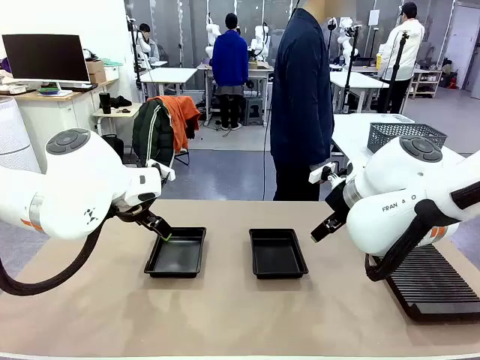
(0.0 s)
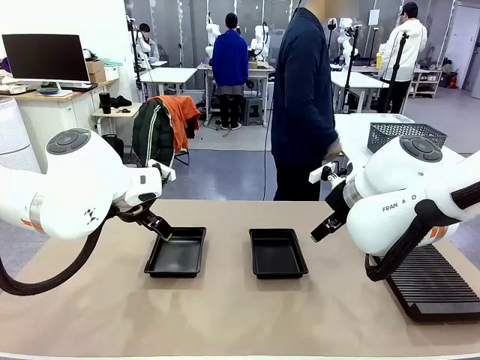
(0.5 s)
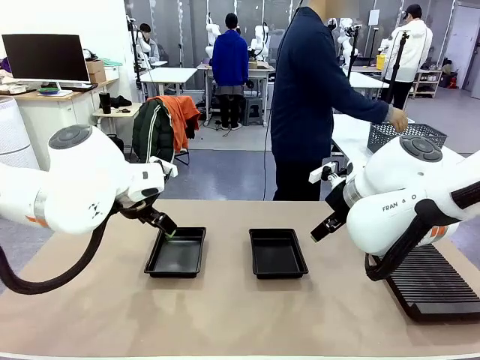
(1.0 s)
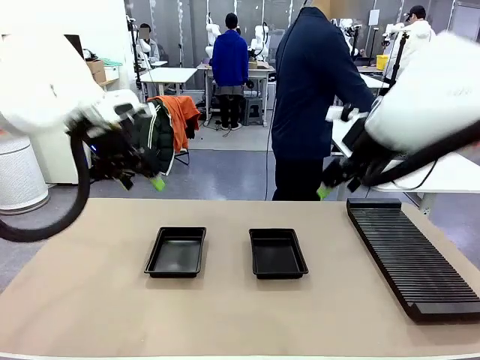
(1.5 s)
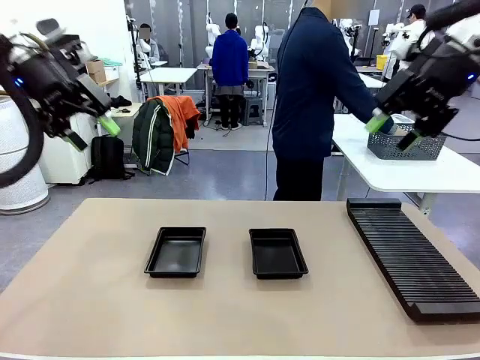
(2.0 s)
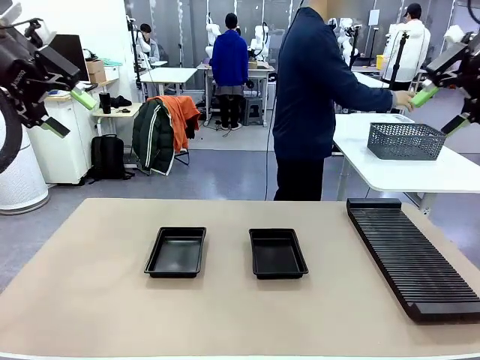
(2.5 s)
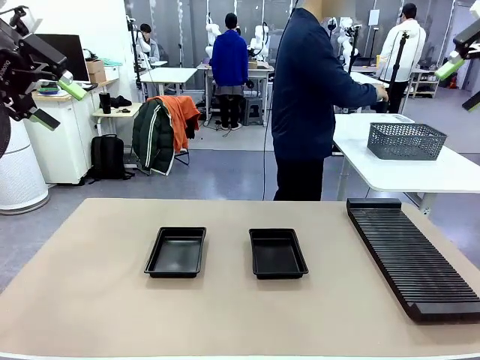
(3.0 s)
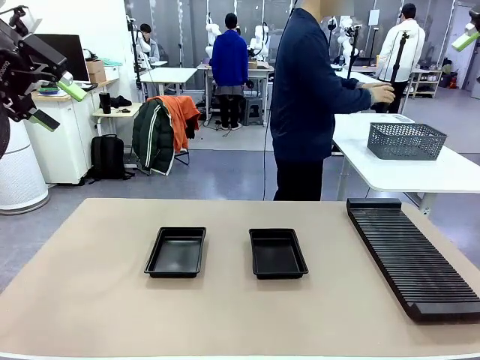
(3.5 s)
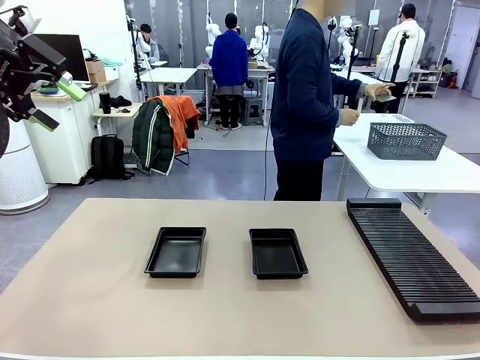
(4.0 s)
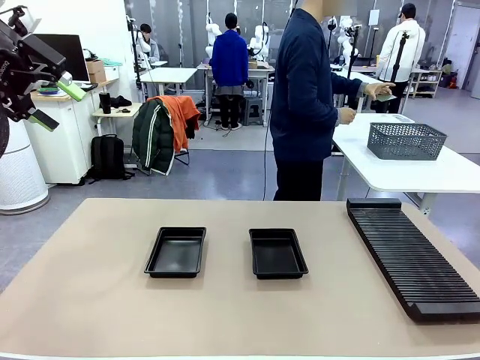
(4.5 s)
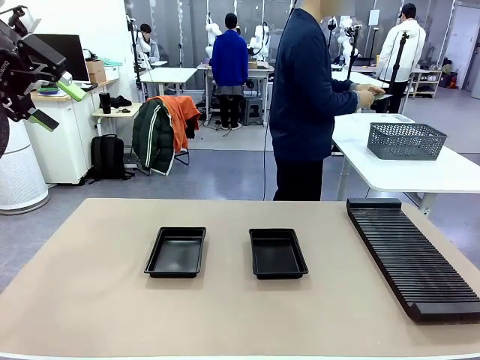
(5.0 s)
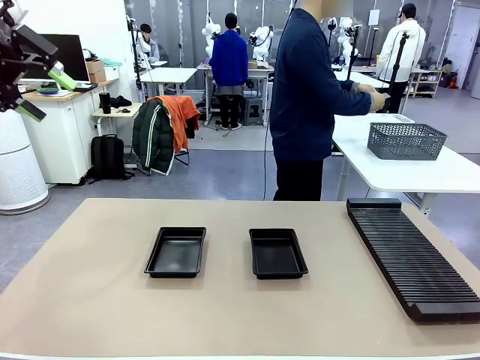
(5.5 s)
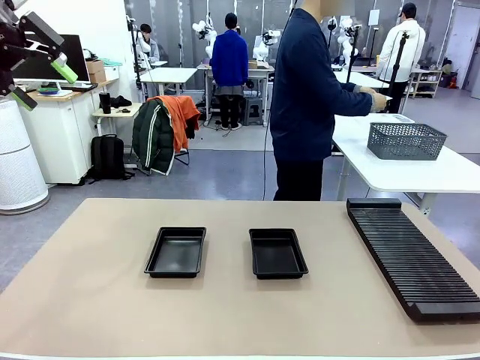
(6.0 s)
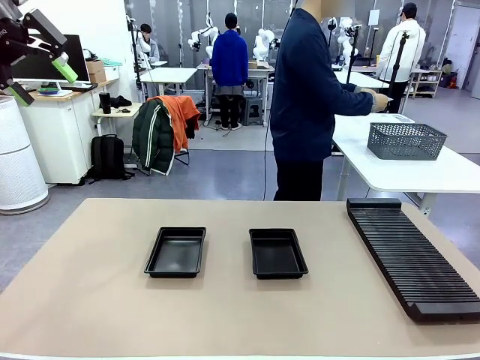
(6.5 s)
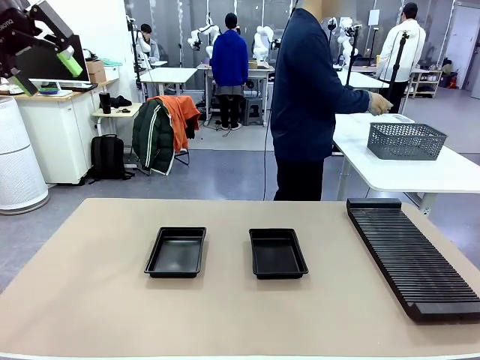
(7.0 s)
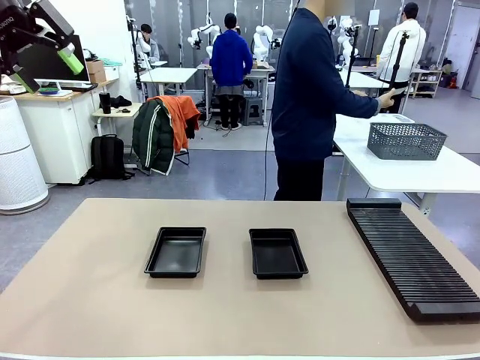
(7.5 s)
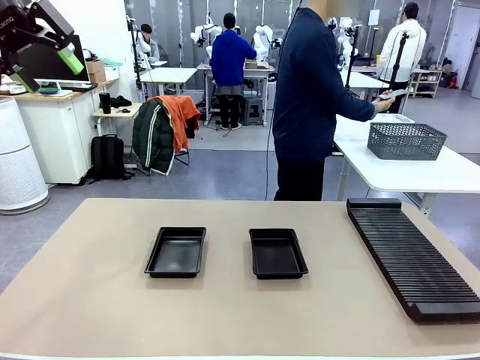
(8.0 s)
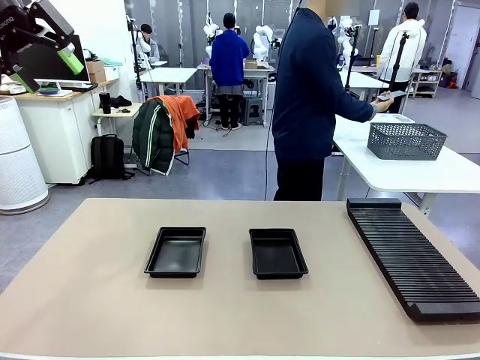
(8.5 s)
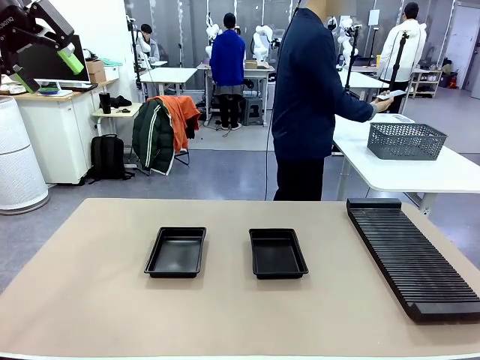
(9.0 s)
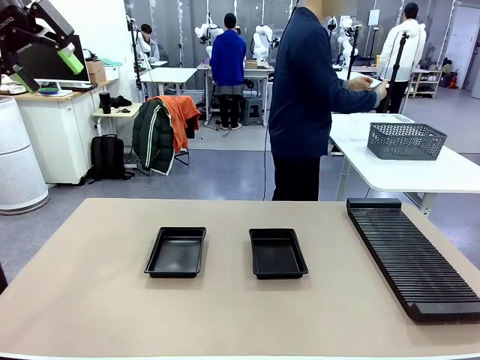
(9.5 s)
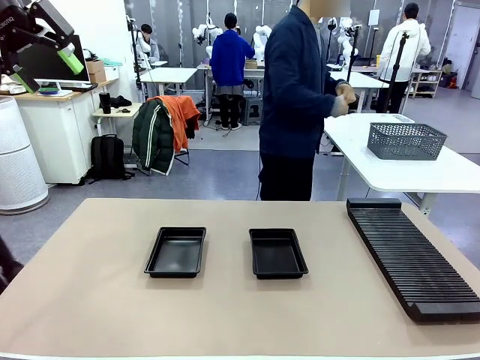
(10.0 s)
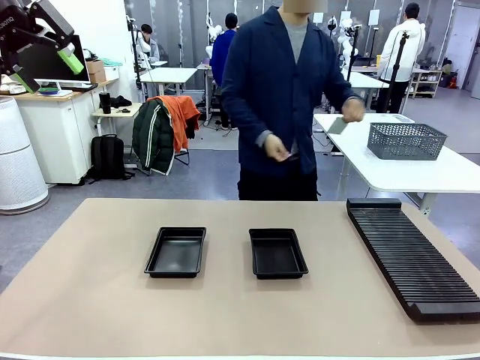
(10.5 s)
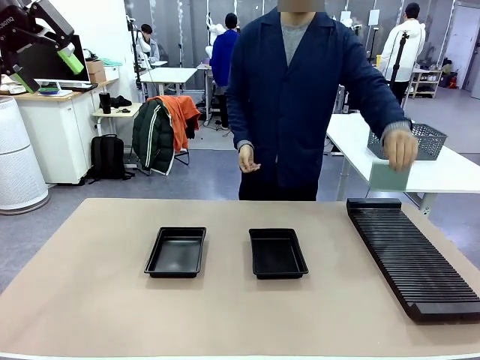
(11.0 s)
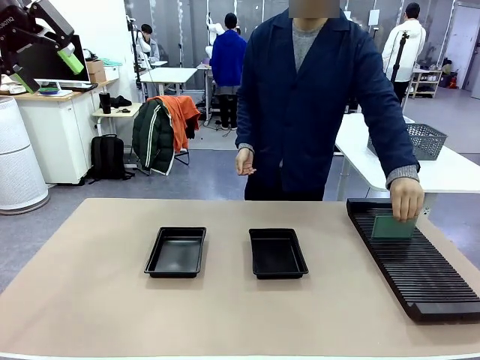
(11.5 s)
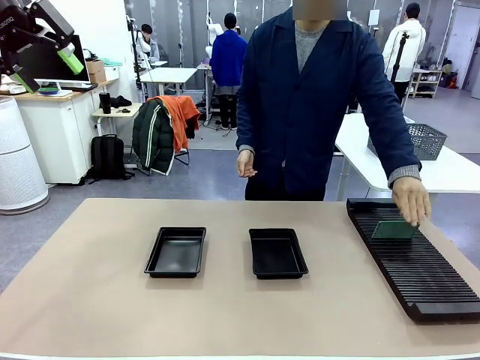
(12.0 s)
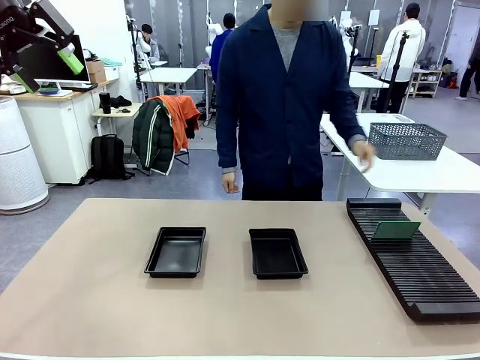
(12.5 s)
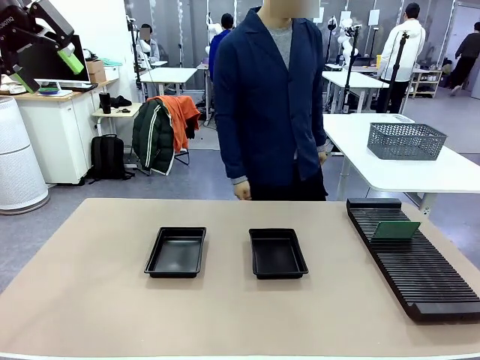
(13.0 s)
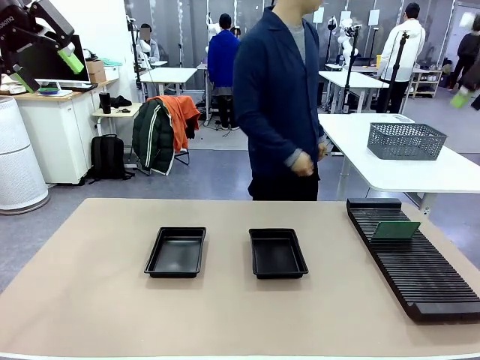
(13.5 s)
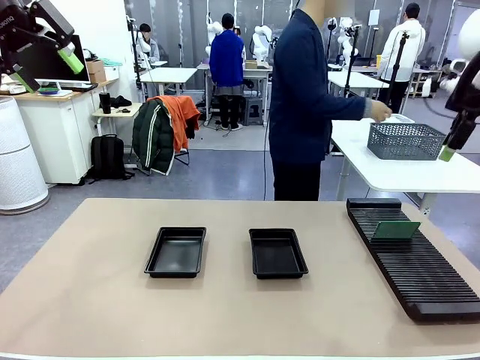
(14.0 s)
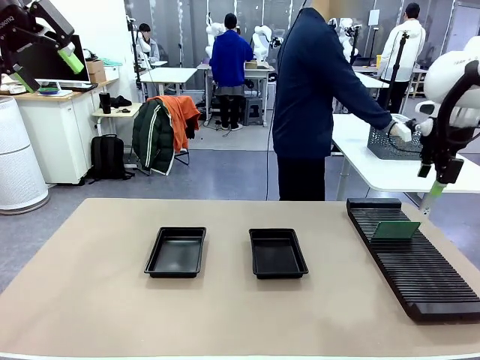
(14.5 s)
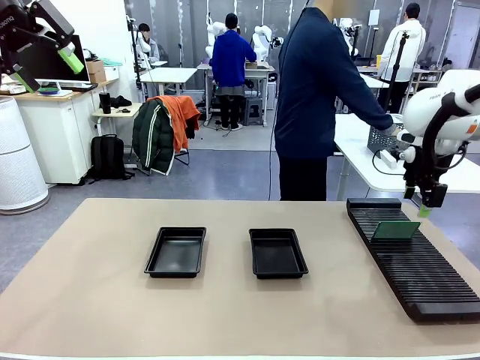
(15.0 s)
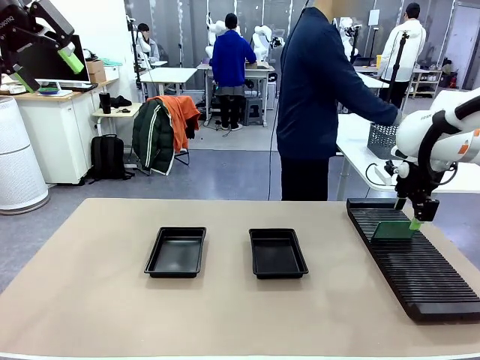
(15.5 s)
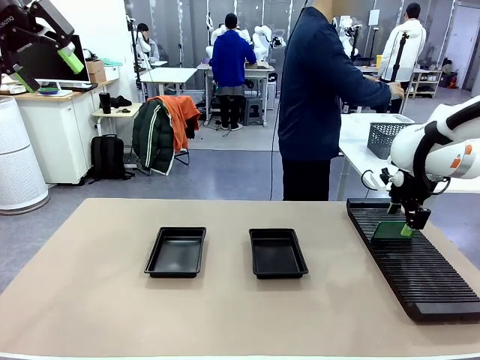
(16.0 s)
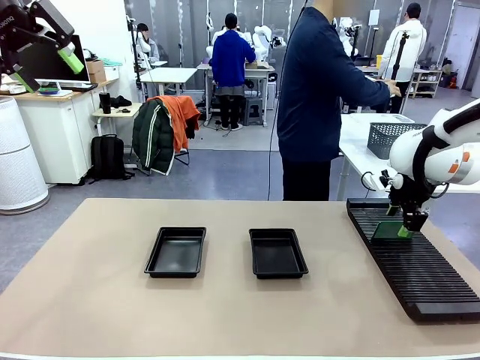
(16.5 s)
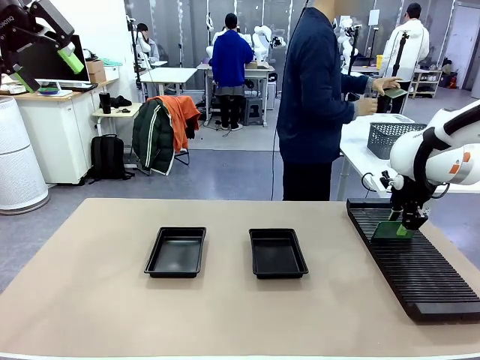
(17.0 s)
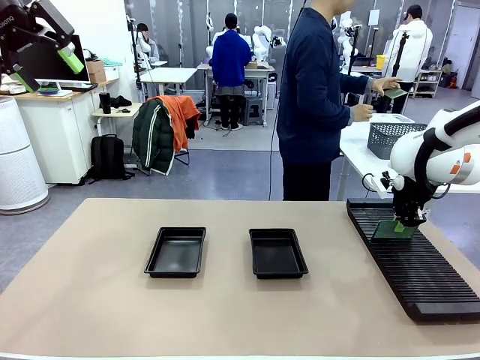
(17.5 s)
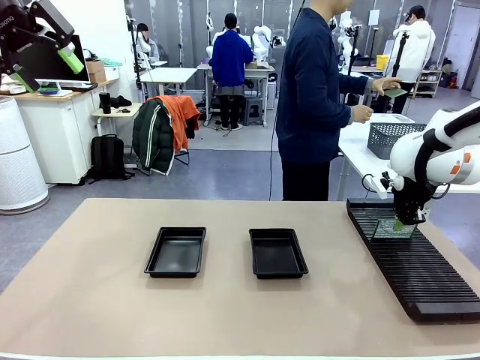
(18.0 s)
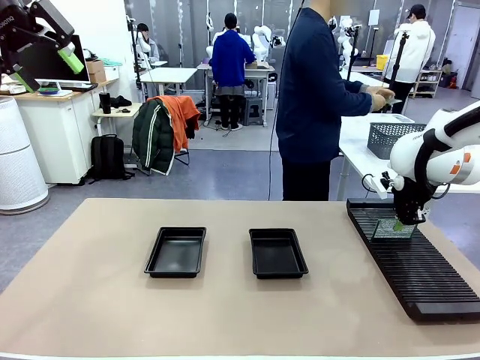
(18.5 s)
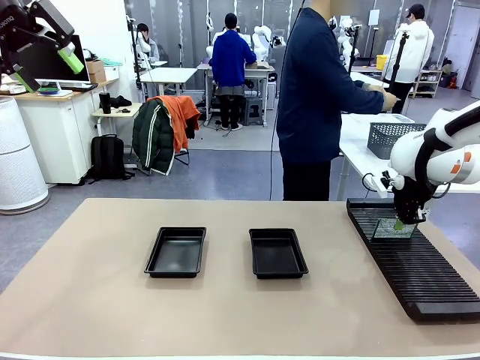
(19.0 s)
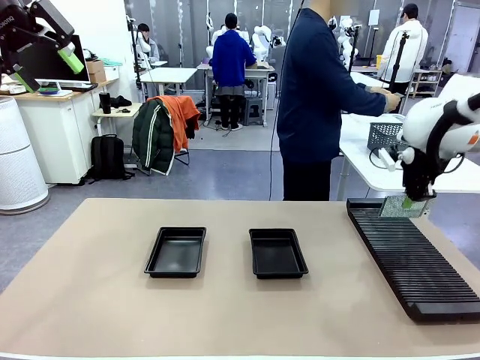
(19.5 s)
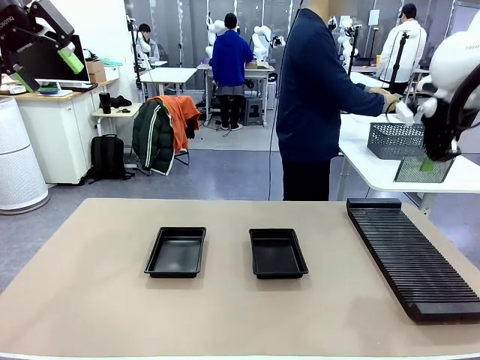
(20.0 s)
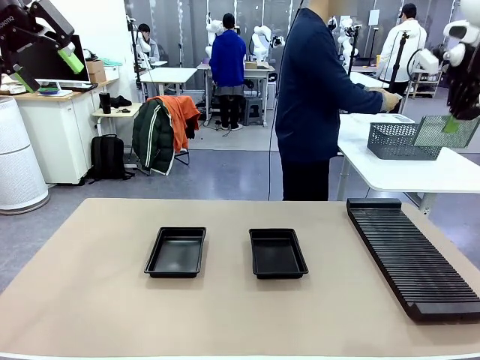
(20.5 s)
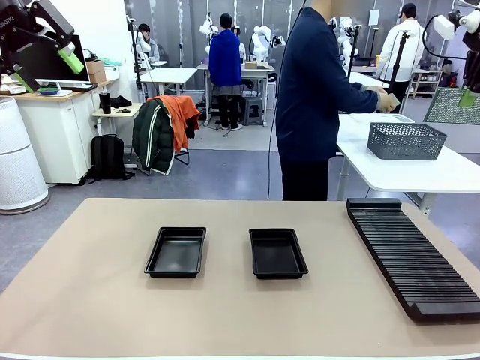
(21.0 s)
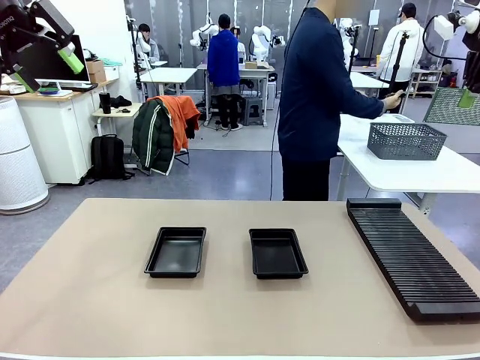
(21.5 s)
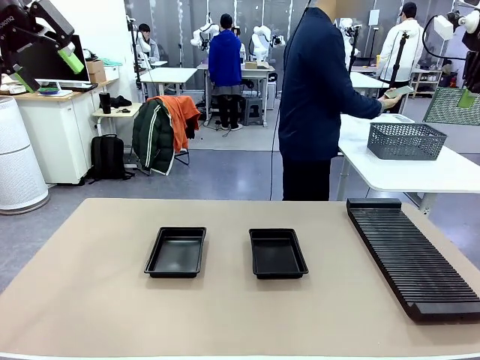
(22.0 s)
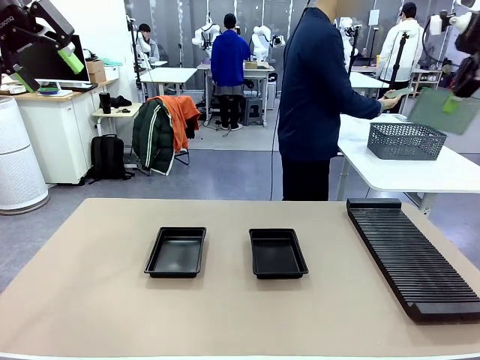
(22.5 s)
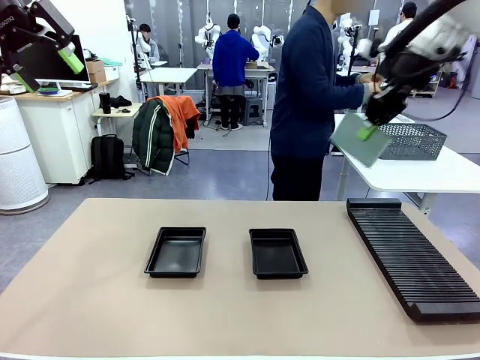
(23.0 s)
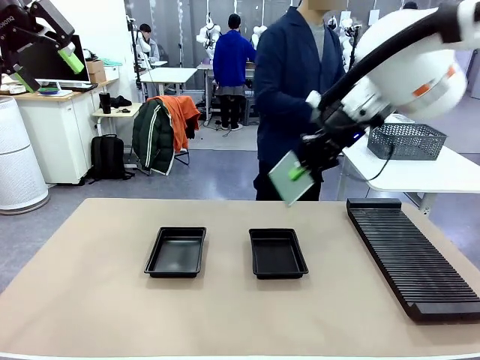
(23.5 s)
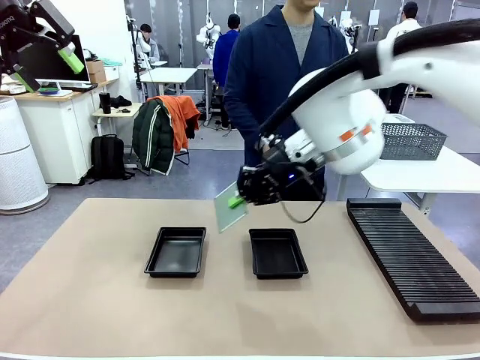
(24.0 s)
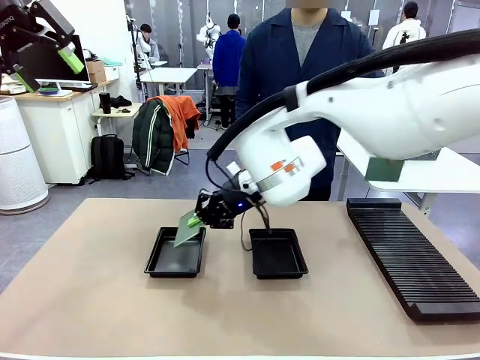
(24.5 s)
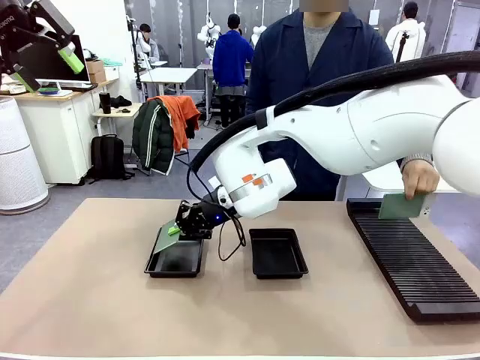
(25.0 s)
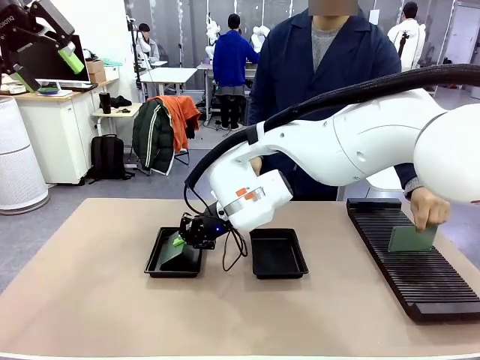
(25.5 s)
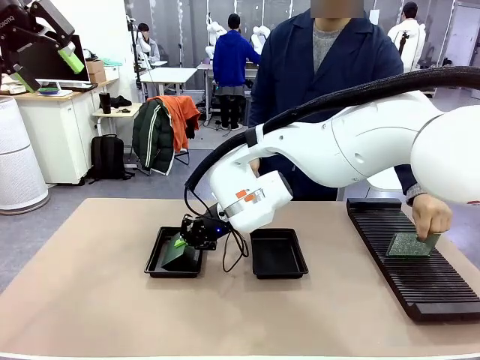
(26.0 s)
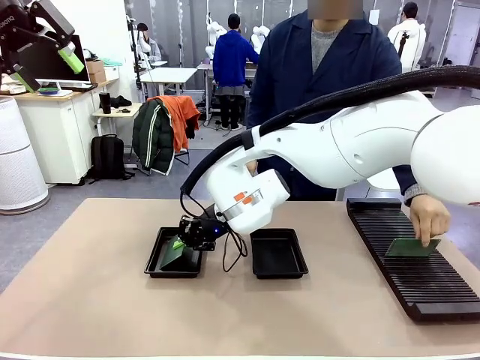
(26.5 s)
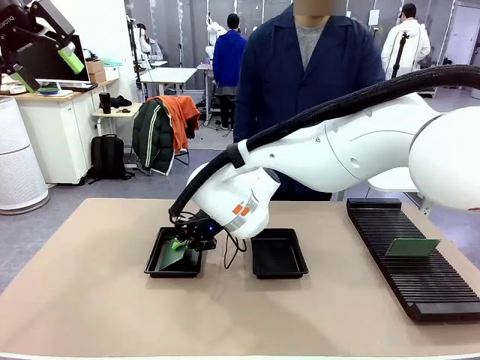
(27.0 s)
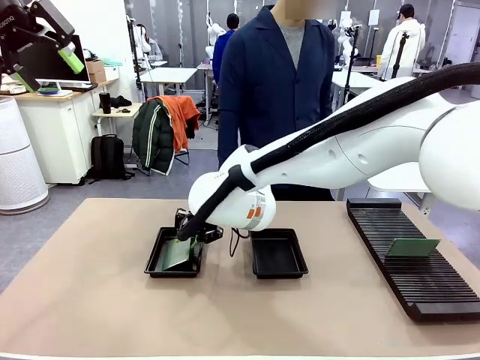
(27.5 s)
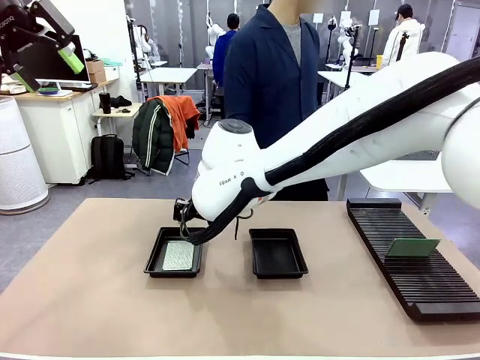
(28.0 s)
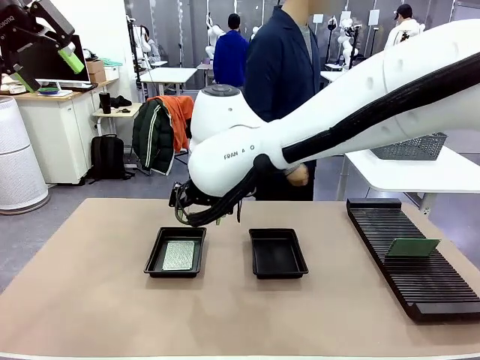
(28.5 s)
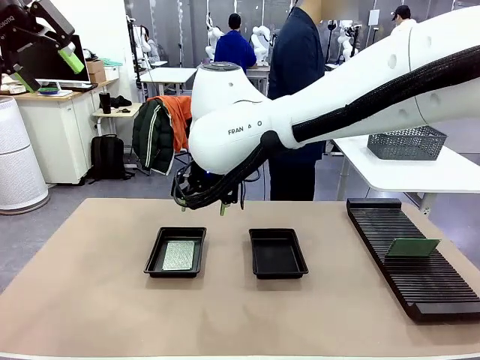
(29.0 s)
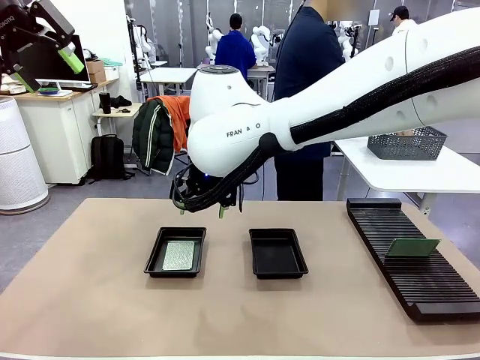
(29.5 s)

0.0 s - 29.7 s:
Task: Inspect and transfer BCBs to ESD trays.
Robot: Pick up the Blank PCB from the PCB Rack and place it in the left ESD tray.
